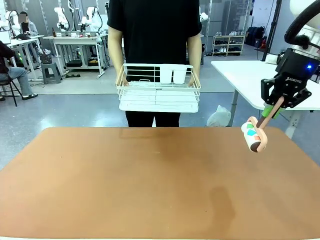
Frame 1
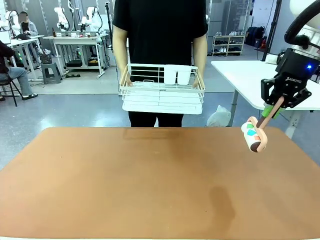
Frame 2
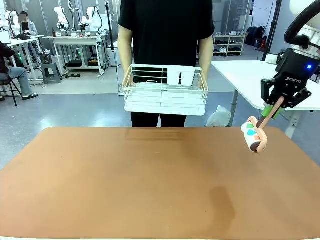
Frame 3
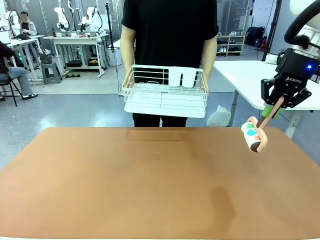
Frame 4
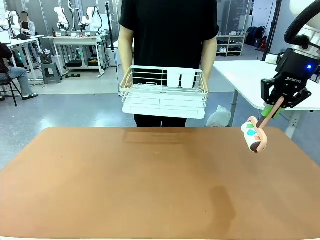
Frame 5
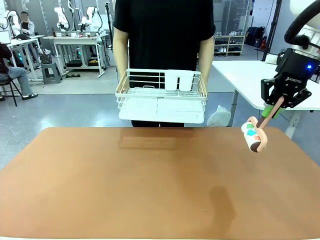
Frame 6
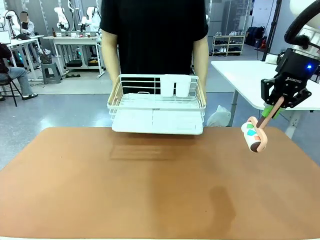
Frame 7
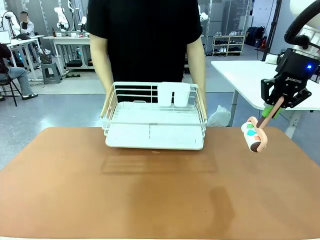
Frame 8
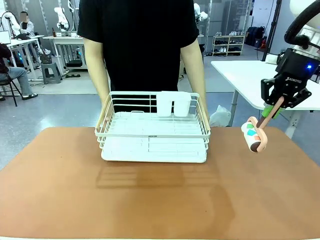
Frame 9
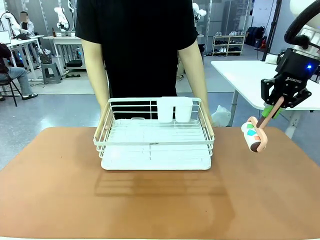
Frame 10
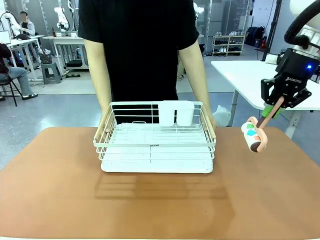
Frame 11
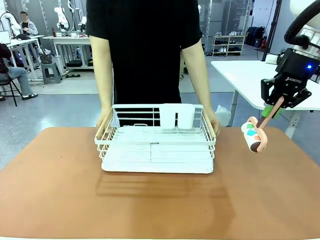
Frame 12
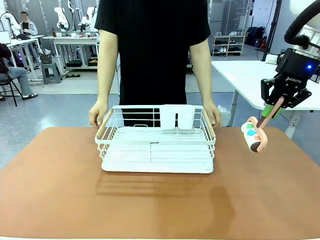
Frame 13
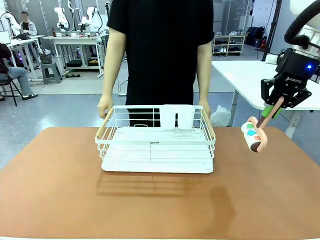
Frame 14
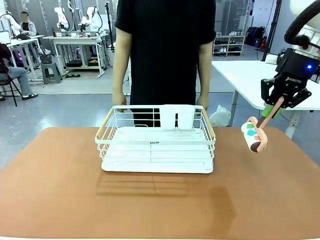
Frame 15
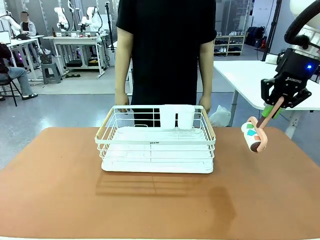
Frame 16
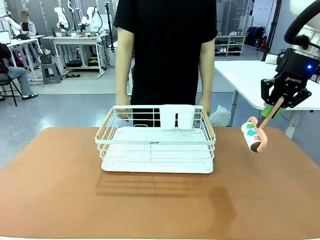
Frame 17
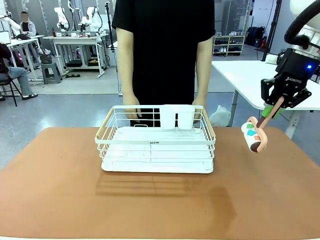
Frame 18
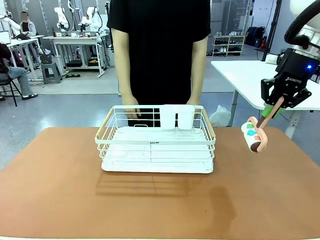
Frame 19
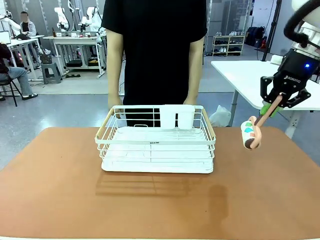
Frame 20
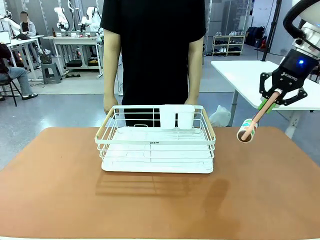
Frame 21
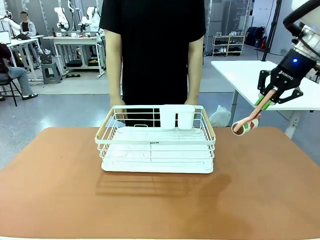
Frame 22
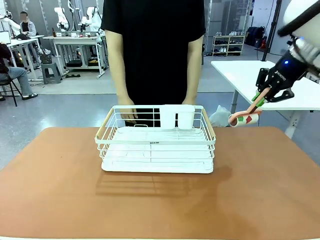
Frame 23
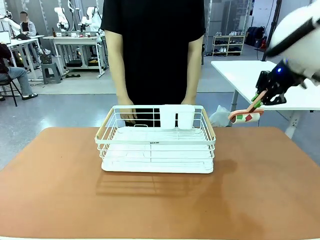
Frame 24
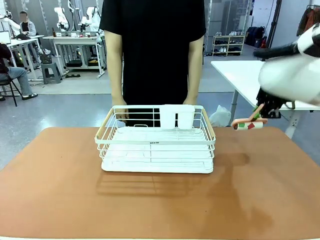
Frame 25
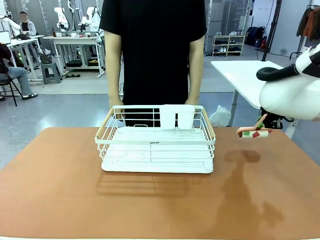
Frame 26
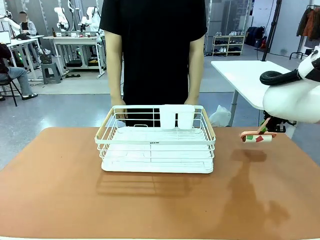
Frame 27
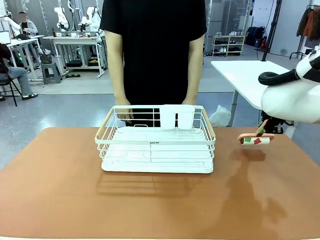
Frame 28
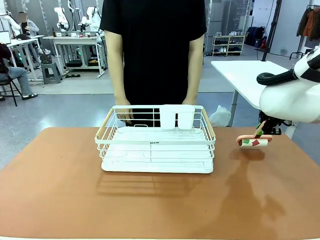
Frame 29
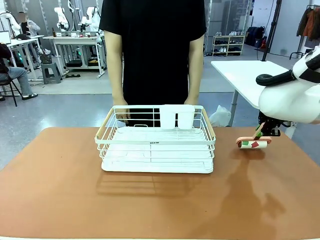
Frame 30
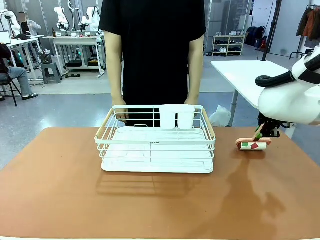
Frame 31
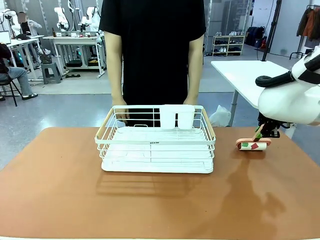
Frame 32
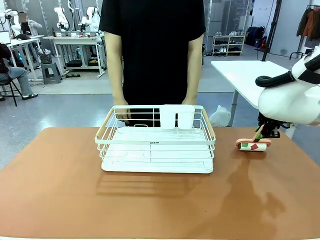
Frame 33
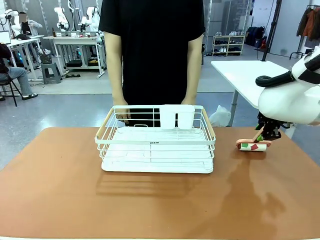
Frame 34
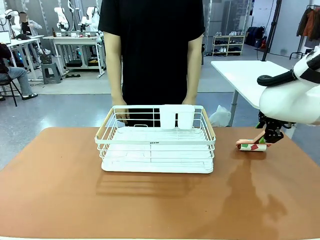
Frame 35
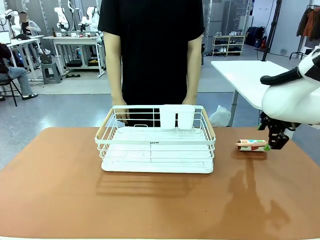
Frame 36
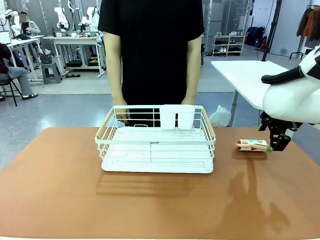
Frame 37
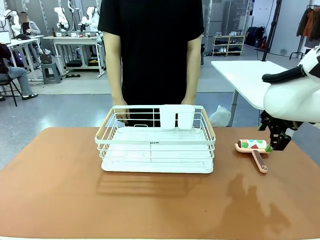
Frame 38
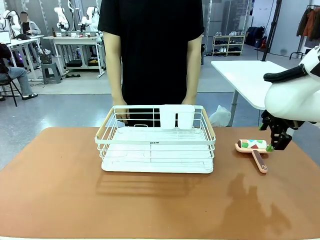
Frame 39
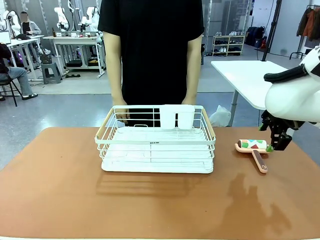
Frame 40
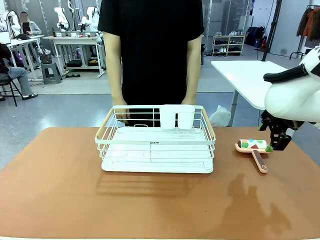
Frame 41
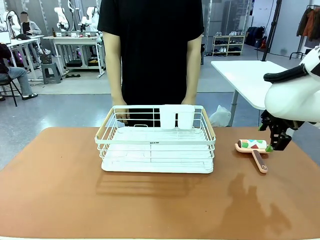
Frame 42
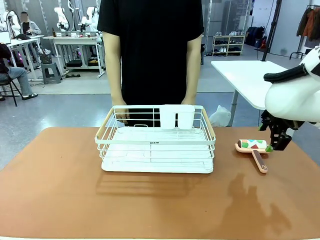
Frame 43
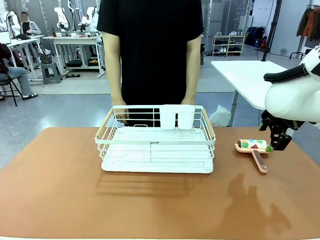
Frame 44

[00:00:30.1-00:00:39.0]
Task: Clean the table.
Robot: Place the Lint Roller down when the Dish drying rack is positioned in the middle of the table.

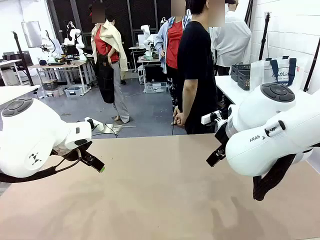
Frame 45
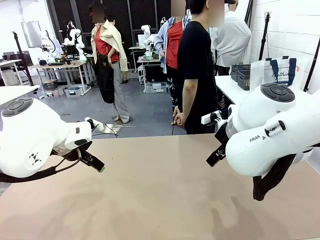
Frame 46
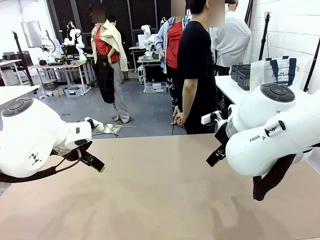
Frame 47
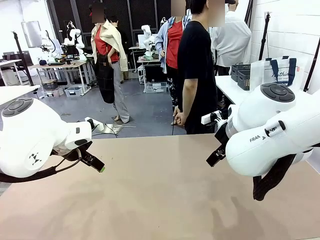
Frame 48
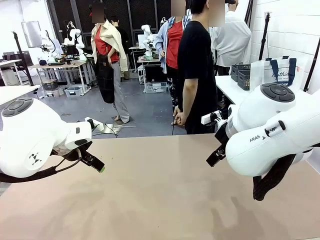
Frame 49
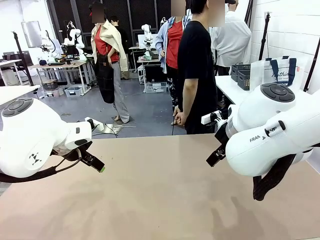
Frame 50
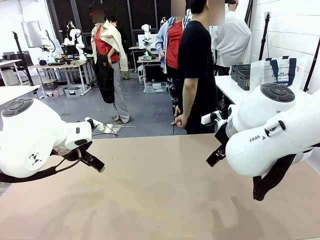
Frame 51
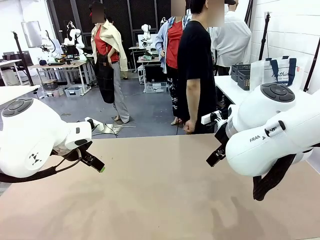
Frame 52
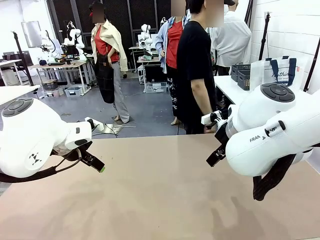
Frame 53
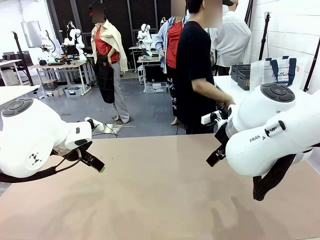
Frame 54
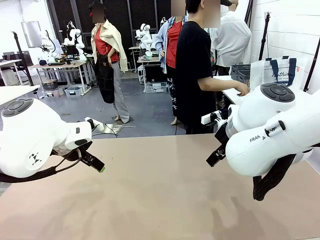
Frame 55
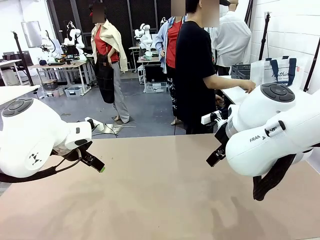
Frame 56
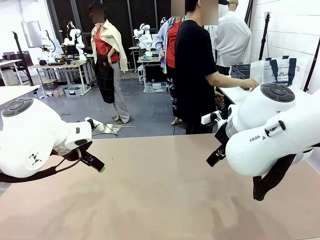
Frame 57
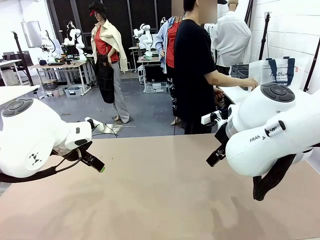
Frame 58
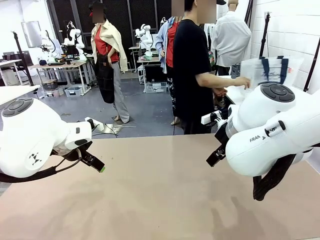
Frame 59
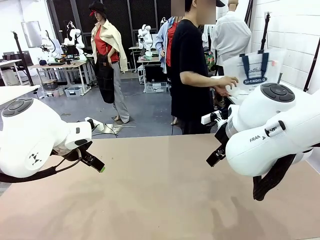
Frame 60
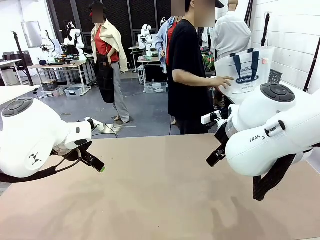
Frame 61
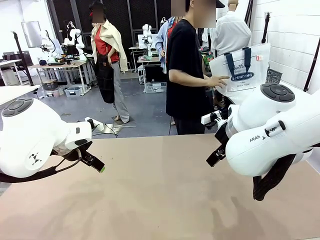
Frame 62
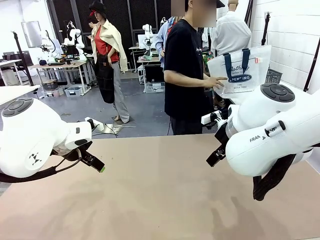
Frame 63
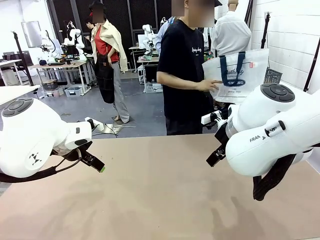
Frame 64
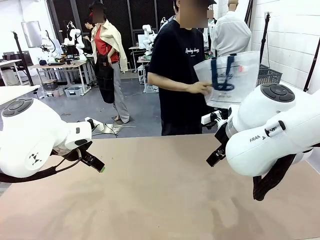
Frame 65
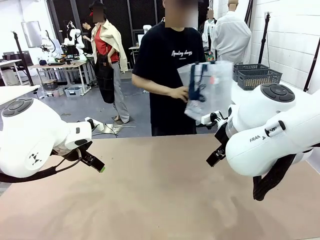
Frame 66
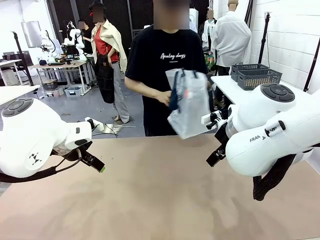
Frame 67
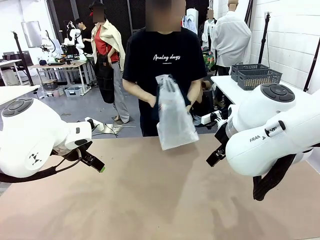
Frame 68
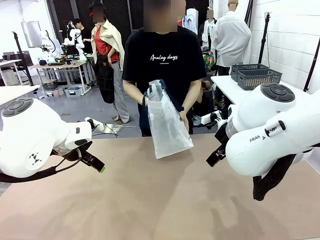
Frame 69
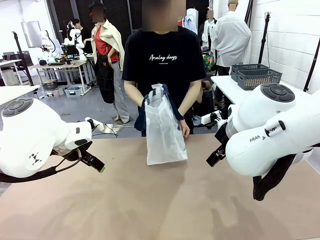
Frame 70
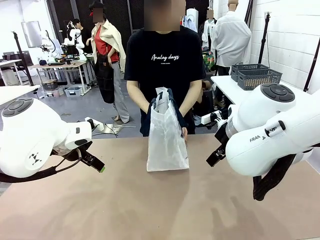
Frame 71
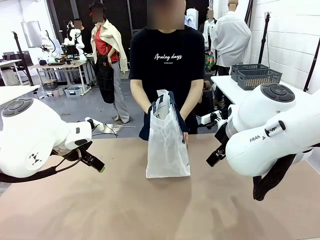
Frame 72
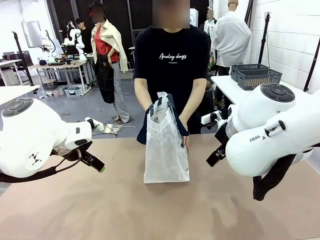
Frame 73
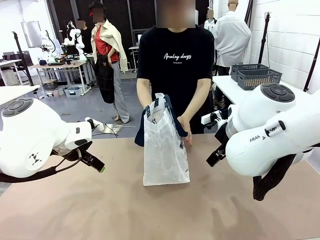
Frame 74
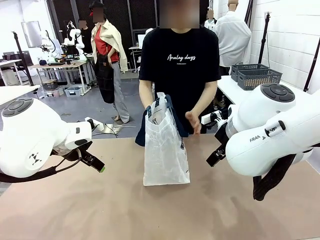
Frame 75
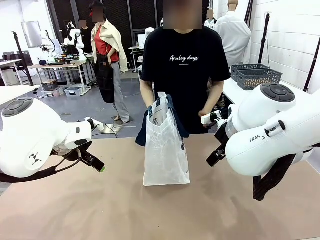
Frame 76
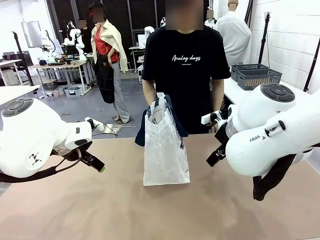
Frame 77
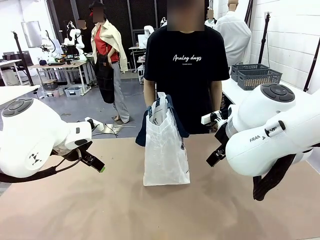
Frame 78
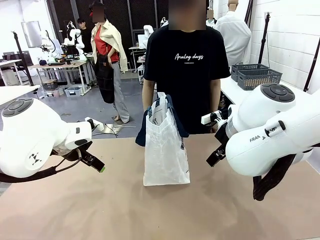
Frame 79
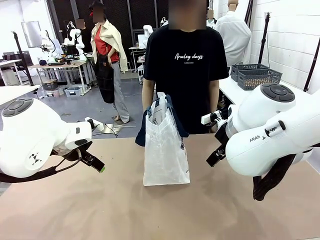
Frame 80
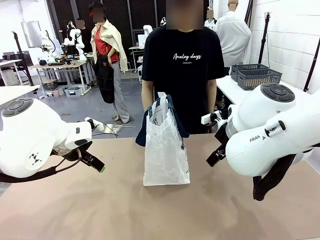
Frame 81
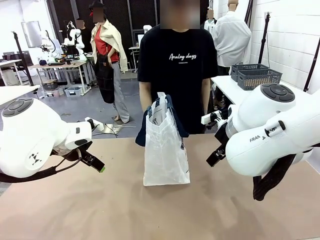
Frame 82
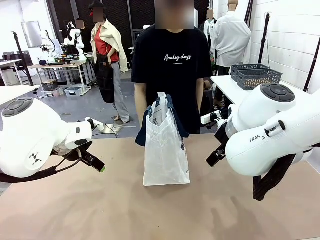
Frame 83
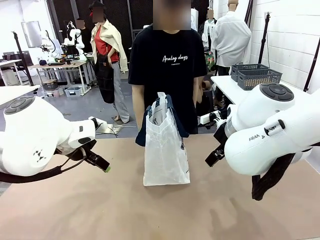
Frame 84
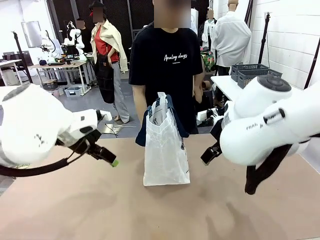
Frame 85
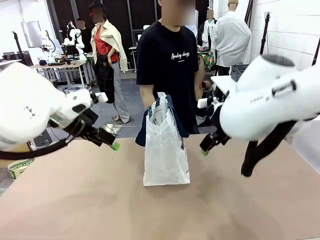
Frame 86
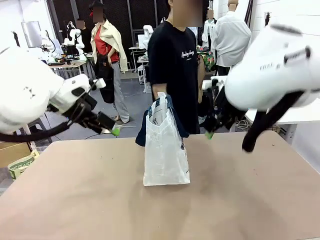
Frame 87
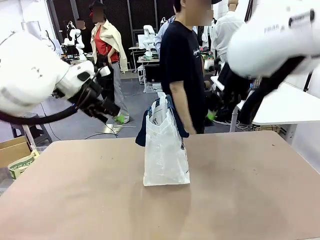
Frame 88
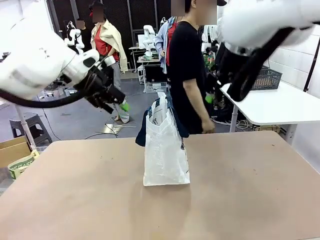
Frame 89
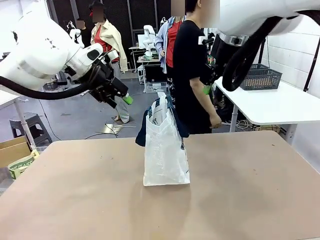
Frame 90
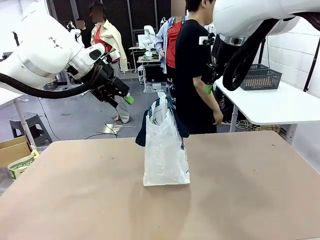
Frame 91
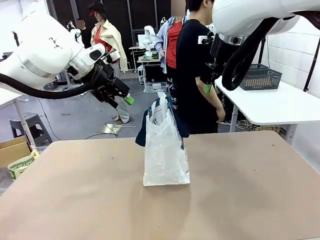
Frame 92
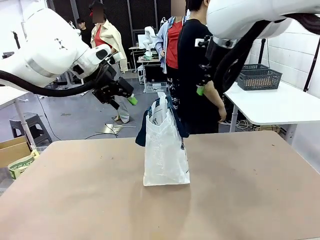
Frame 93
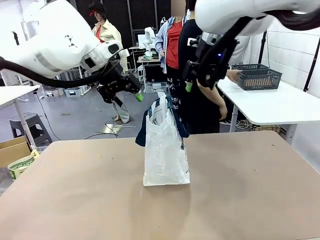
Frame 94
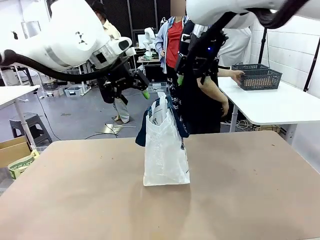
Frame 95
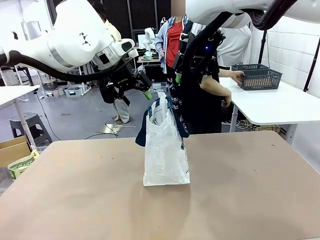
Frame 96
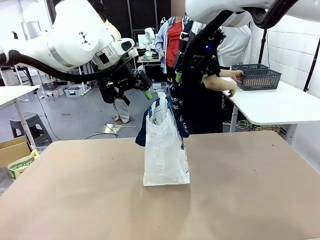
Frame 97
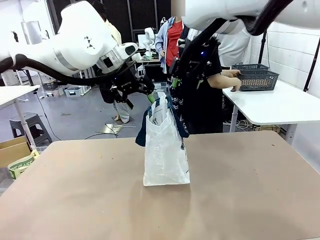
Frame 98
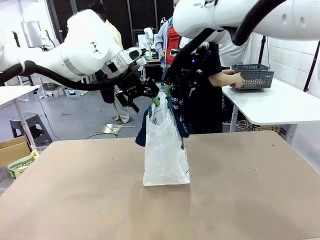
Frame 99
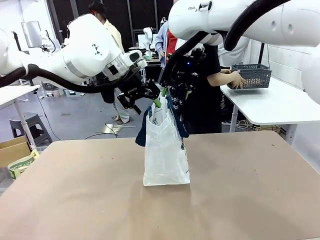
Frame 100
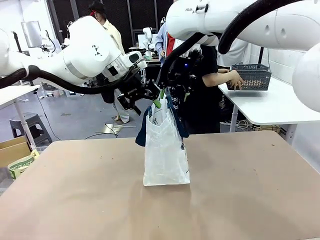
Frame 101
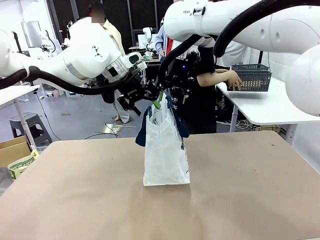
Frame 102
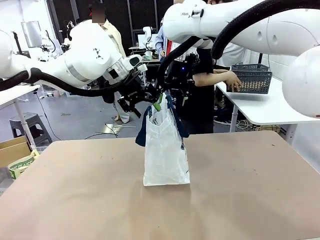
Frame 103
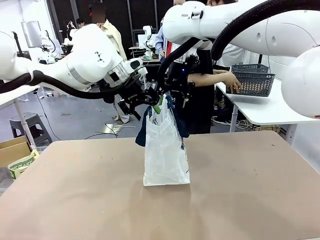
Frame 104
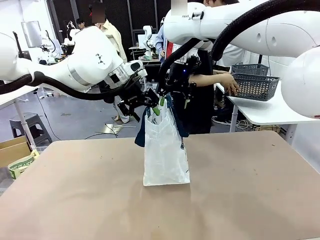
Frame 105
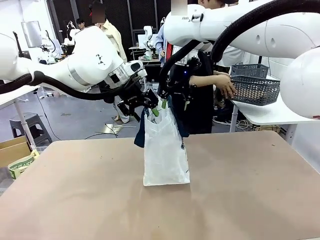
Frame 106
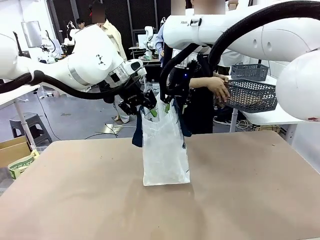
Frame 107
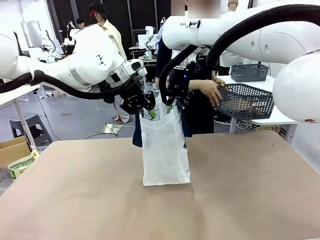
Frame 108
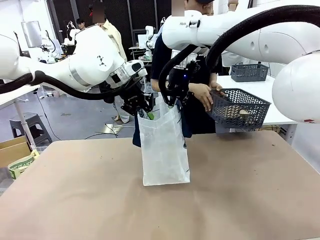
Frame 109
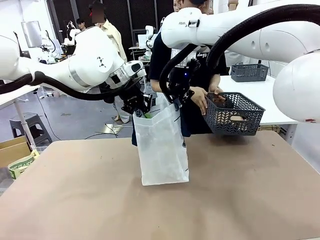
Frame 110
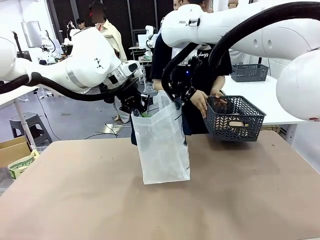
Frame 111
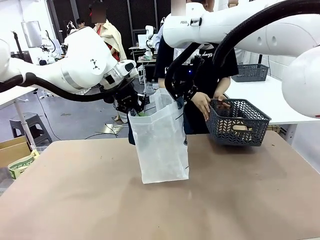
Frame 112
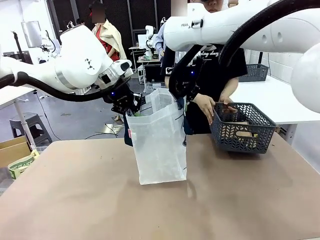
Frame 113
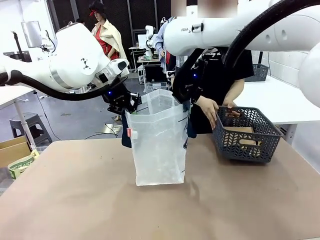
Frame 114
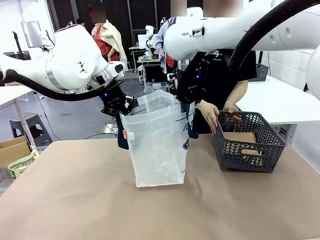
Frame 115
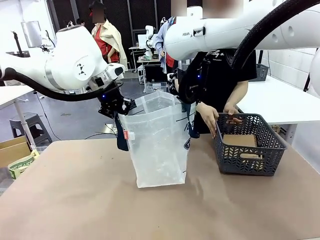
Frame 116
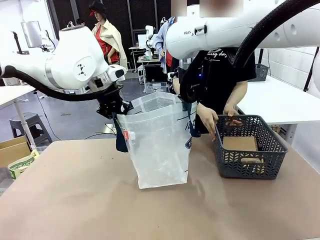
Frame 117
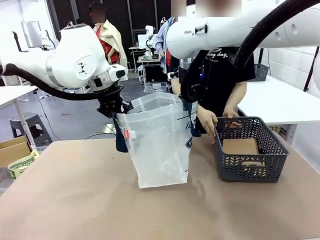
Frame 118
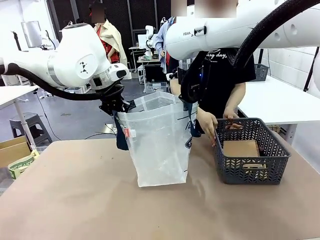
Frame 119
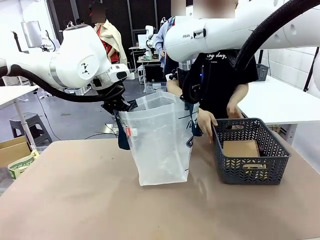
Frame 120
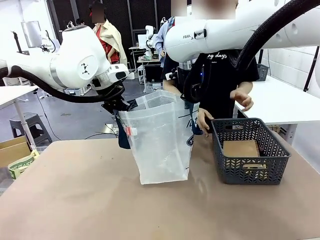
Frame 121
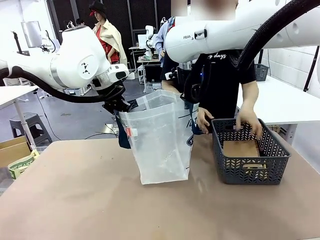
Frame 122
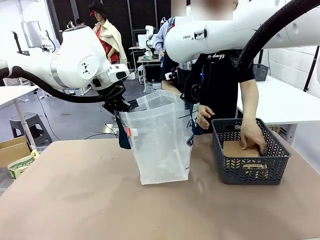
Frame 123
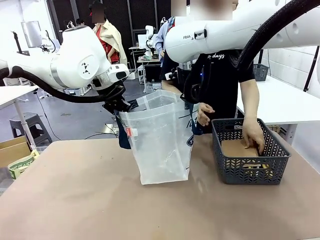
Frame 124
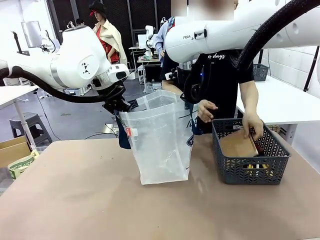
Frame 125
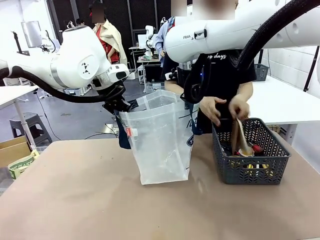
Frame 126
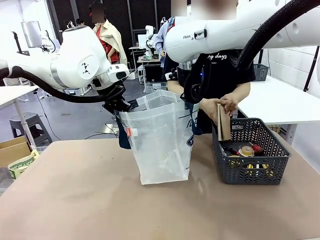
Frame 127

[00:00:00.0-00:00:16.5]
Task: Transfer purchased items from the store into the shopping bag.
Robot: Open the Reusable shopping bag in the center of the table.
Person: Pick up the shopping bag and place it in the middle of the robot table.
